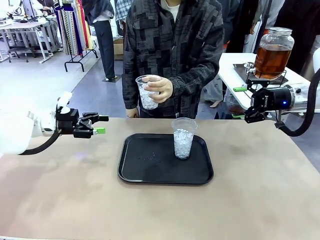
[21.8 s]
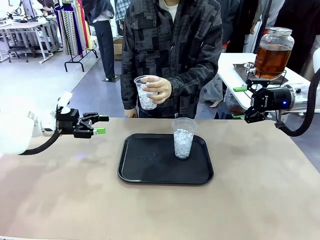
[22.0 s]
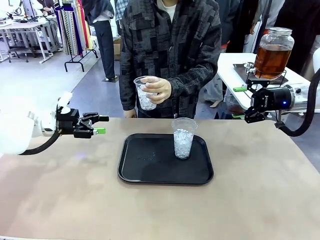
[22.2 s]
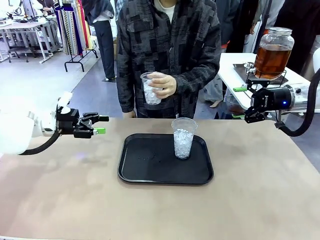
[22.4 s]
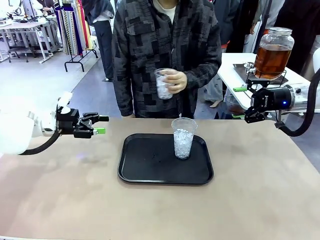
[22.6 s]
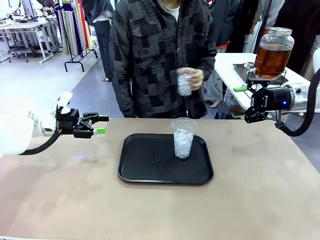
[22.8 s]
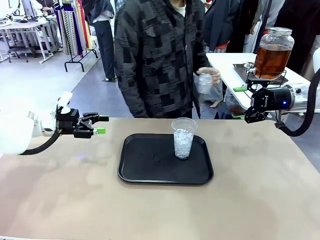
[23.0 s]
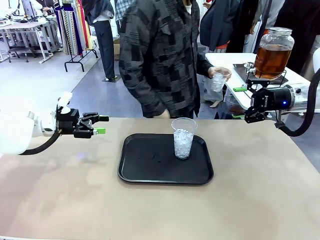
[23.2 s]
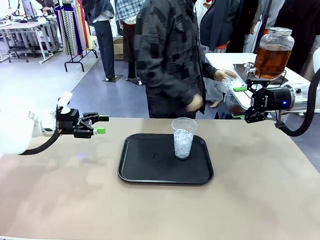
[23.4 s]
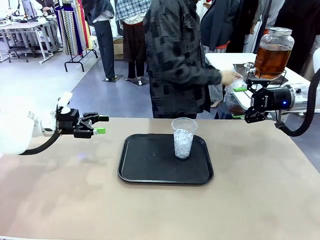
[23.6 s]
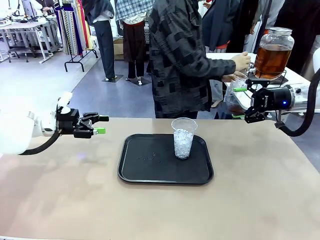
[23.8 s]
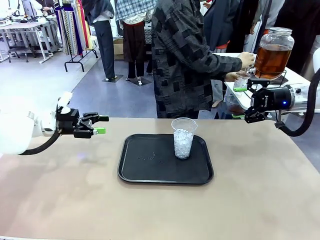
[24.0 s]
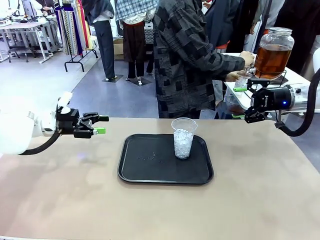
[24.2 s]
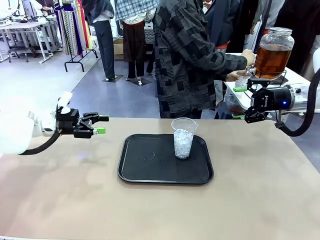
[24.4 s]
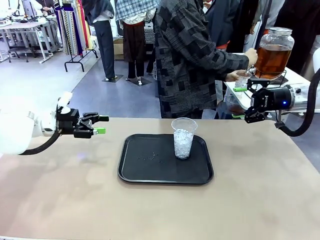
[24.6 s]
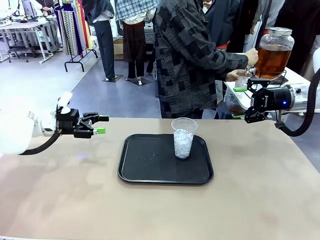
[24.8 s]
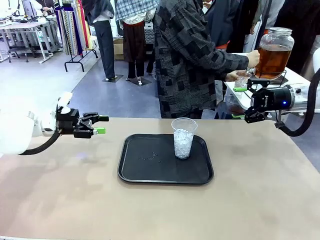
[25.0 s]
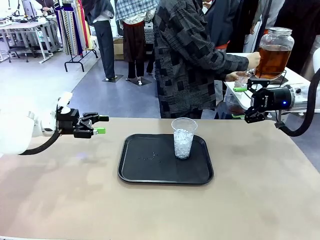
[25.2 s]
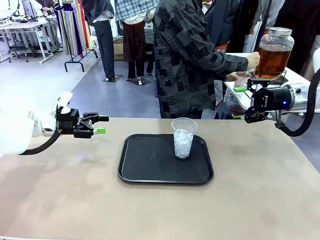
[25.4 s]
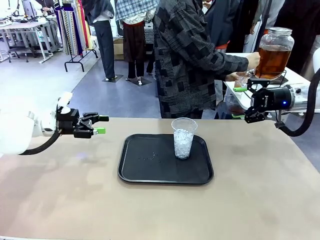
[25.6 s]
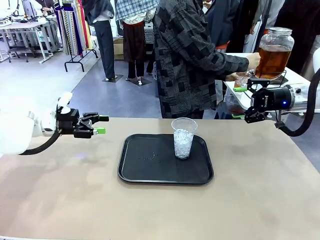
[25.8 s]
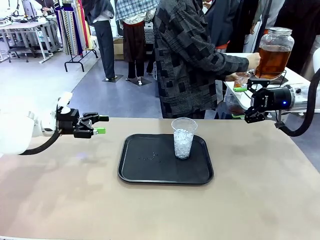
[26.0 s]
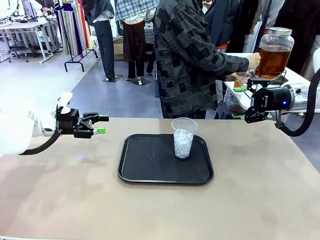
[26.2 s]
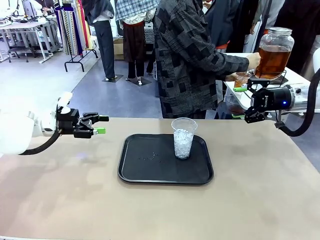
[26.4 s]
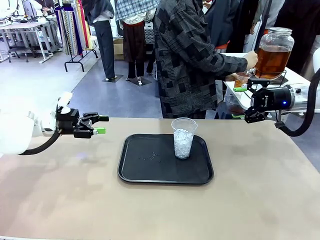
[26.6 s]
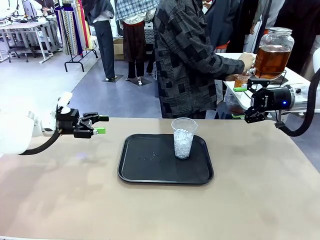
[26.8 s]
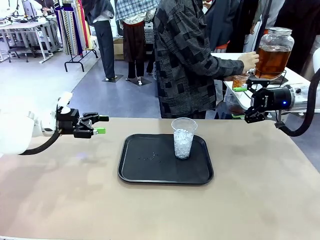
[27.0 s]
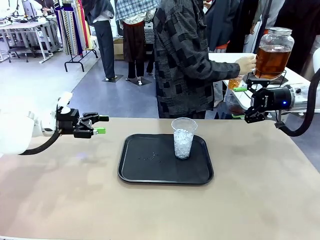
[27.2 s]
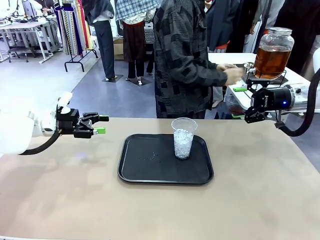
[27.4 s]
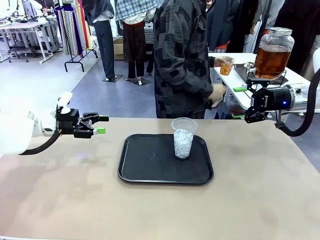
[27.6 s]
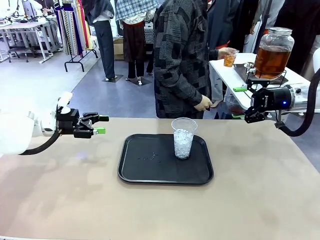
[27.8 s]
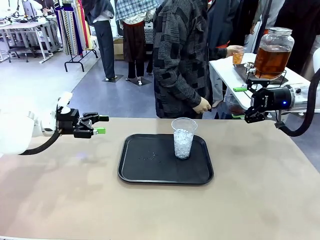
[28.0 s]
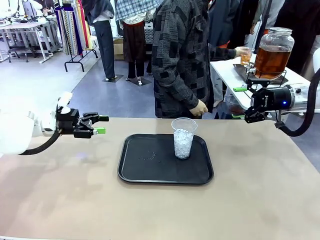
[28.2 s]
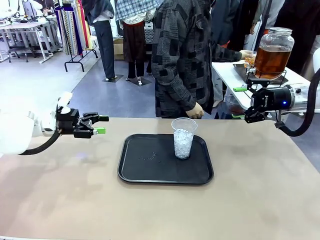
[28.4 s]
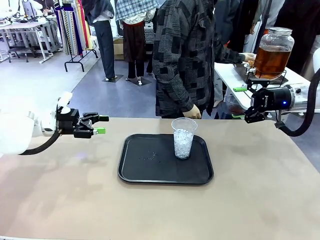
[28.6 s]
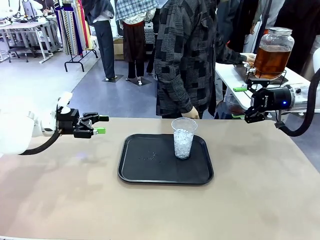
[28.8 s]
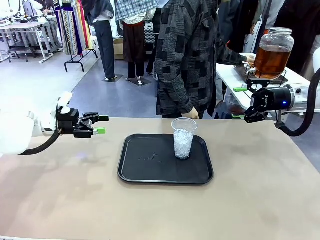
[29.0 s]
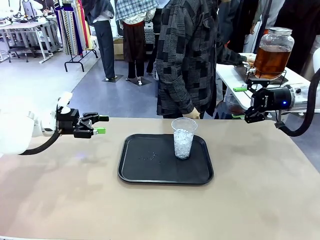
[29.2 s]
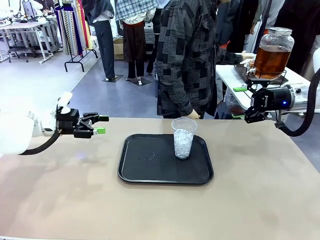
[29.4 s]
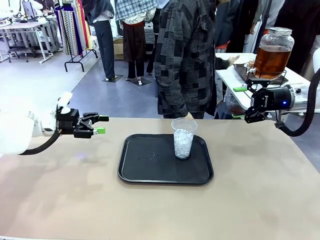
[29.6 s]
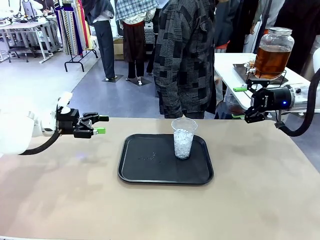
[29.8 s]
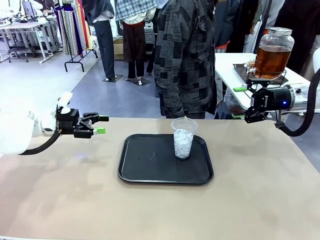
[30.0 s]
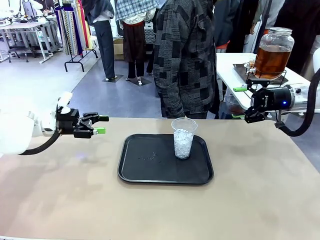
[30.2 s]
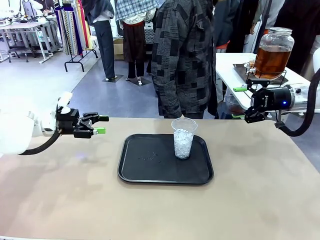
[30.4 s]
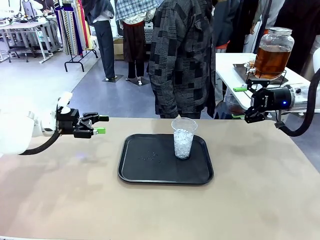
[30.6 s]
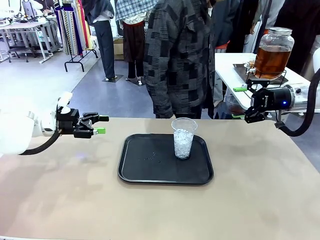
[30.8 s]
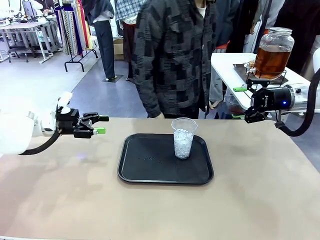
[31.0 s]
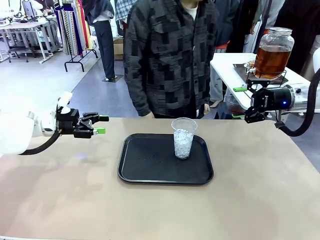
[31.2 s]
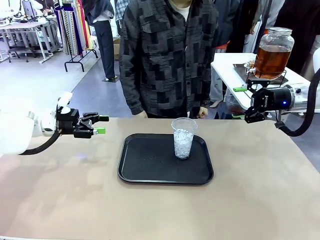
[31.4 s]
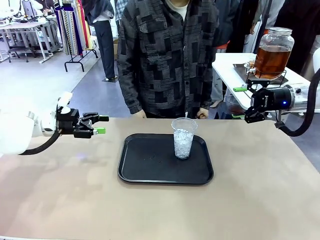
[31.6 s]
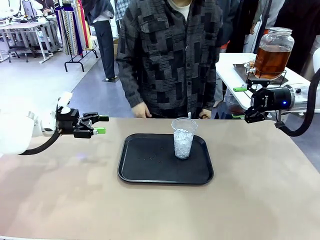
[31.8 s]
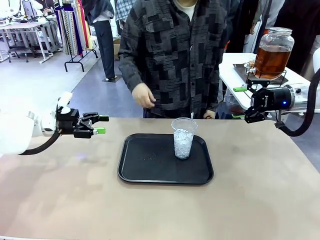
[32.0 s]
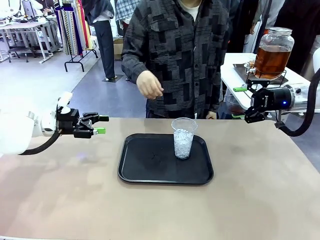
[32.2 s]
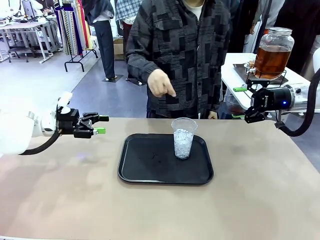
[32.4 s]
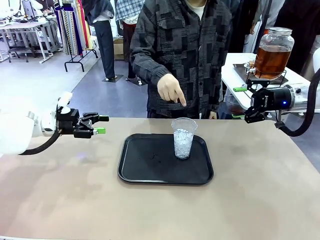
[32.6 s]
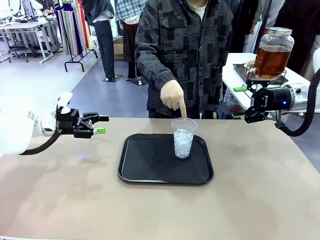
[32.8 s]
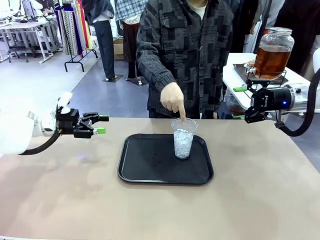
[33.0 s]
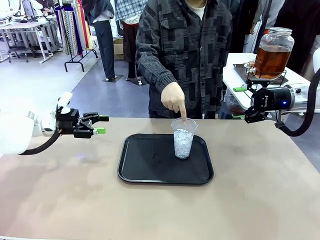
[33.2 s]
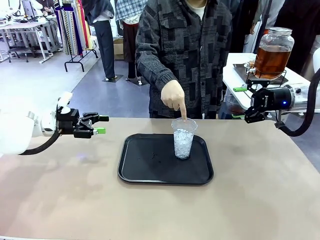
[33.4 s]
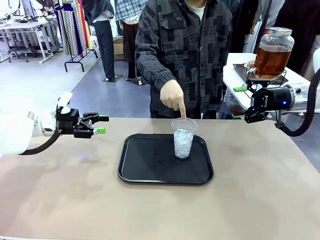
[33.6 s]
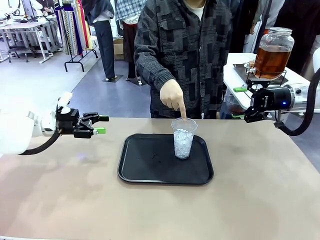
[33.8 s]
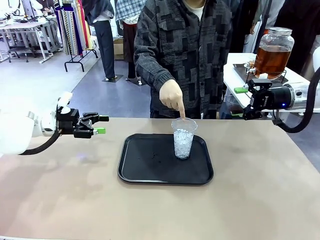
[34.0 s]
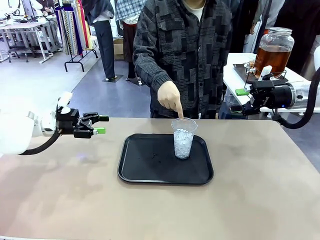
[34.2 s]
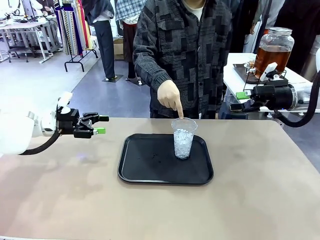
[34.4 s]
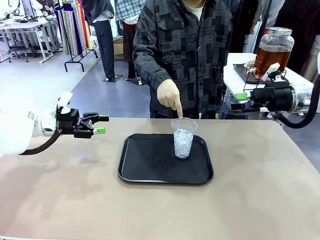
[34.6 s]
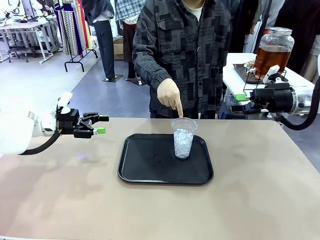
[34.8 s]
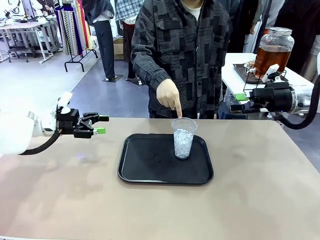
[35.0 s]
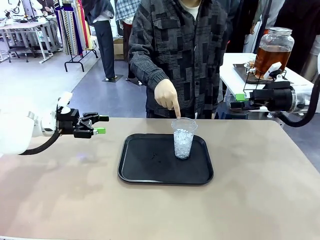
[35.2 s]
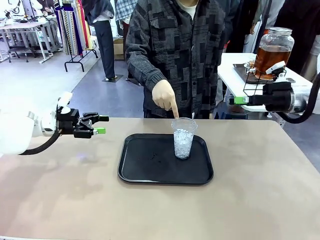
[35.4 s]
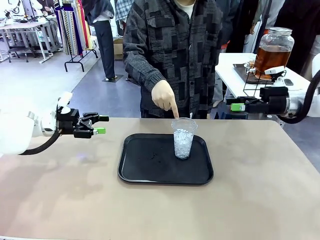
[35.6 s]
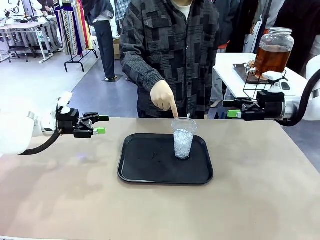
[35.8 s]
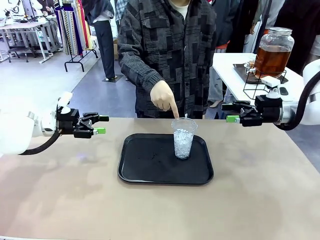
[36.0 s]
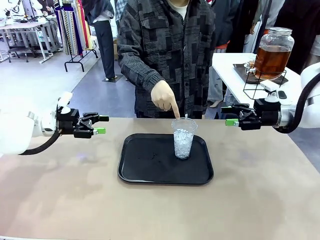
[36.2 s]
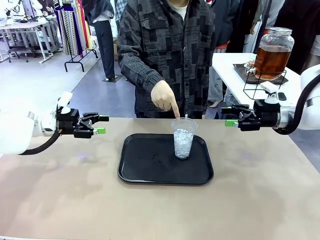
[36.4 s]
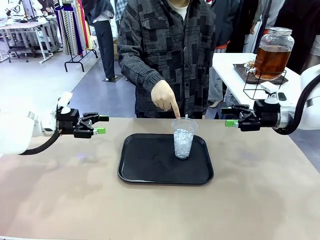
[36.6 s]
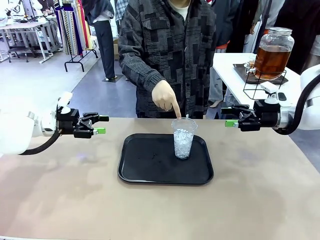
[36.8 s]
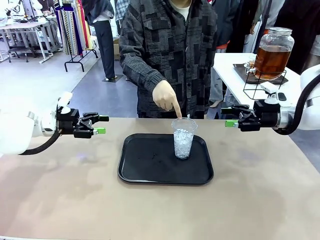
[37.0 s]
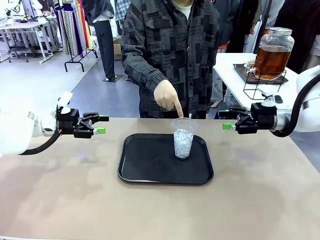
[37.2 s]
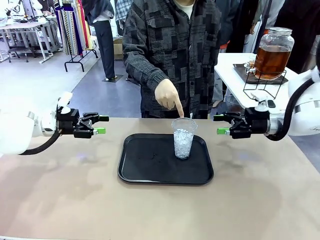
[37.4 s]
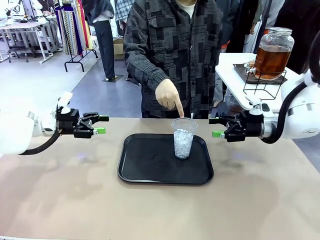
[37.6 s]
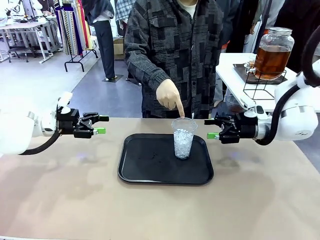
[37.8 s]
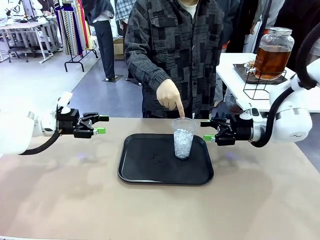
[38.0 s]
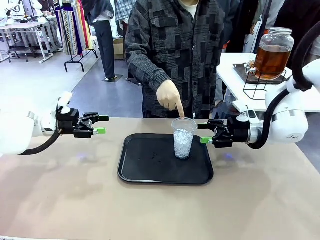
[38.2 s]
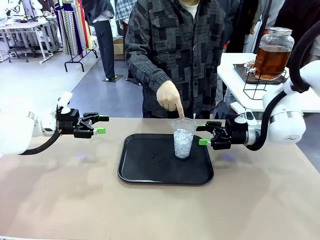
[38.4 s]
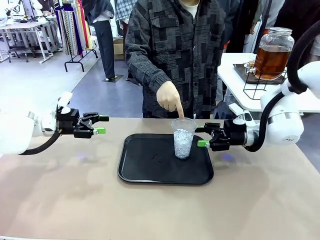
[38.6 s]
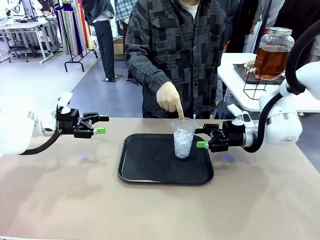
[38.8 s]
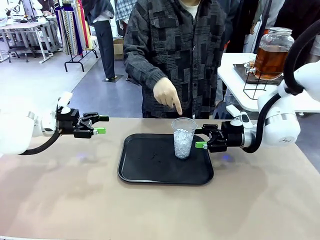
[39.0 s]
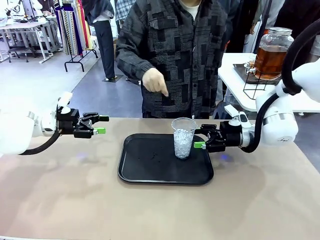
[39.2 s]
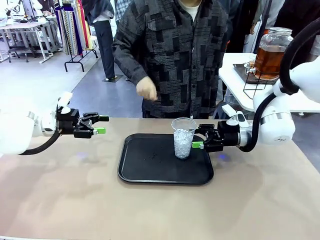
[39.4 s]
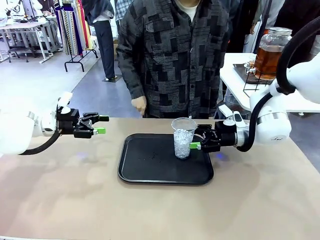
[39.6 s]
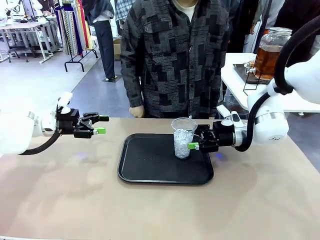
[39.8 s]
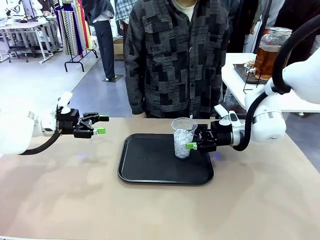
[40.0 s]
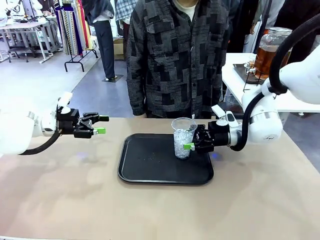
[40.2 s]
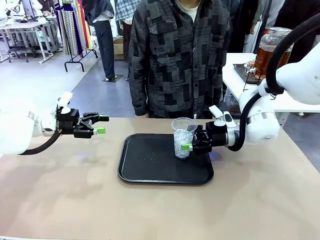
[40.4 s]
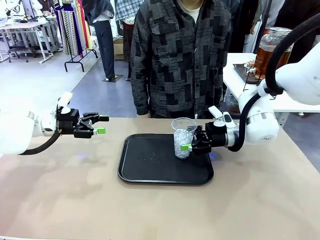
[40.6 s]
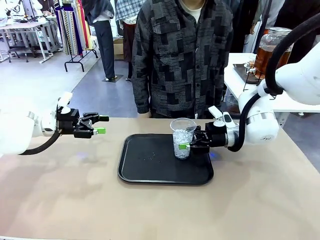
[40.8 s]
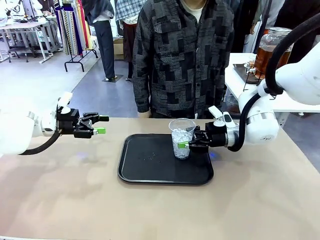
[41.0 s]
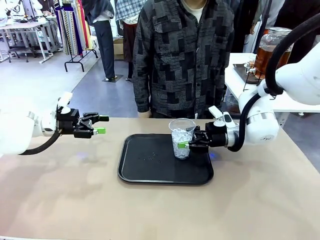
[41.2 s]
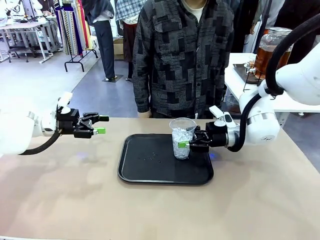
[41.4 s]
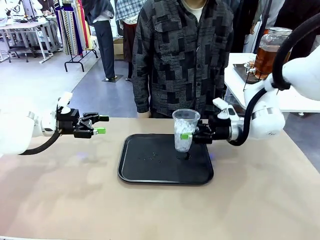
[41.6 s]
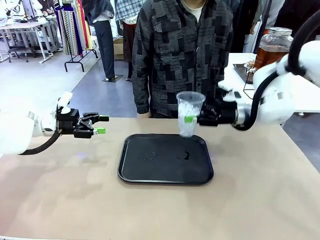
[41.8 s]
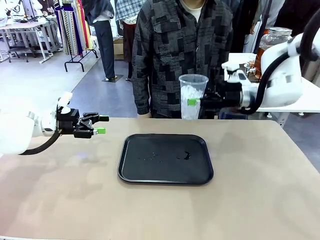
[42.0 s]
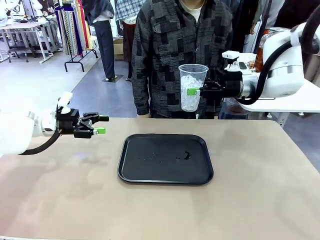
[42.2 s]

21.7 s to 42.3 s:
Task: Pour the drink into the iced cup.
Robot: Pick up the iced cup indicated by the human and present it to them.
Person: Move the picked-up cup under the dispenser faucet, pour the drink, and place it on the tray on the human table. Point to the remaining ice cup on the robot table. Pick up the cup offered by the robot.
